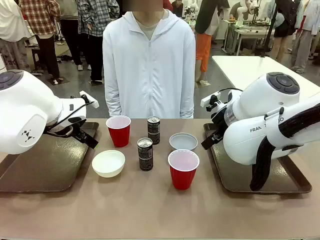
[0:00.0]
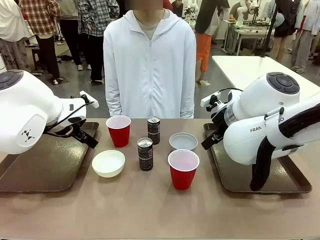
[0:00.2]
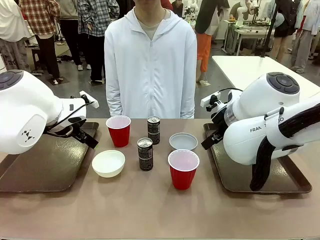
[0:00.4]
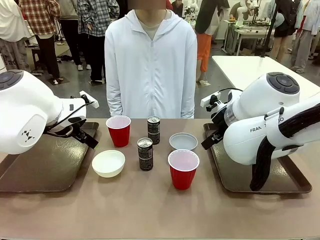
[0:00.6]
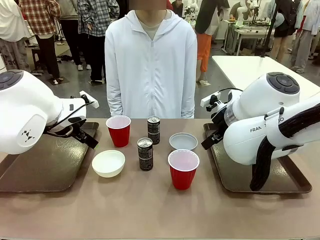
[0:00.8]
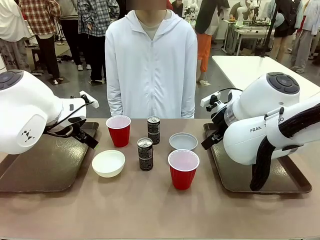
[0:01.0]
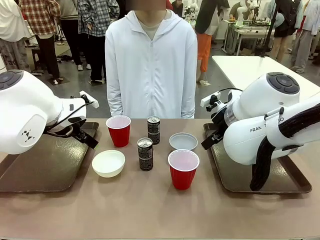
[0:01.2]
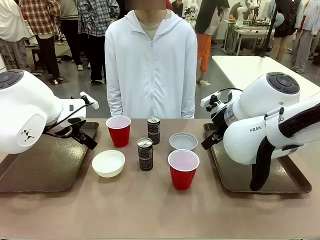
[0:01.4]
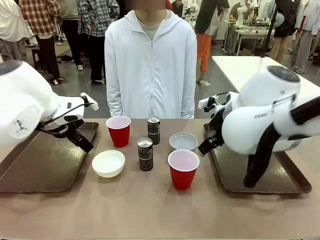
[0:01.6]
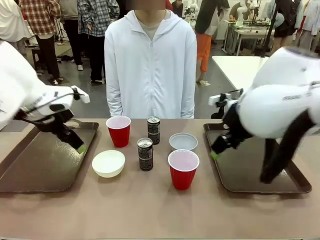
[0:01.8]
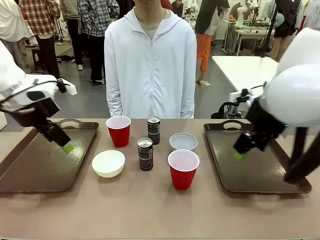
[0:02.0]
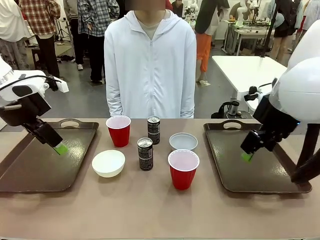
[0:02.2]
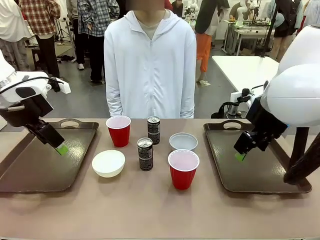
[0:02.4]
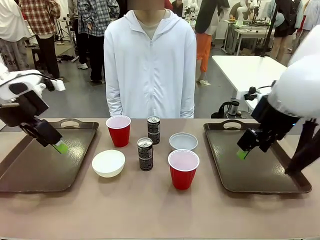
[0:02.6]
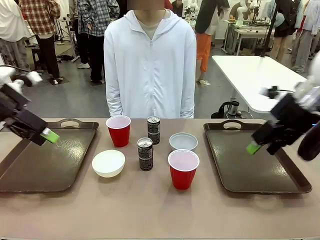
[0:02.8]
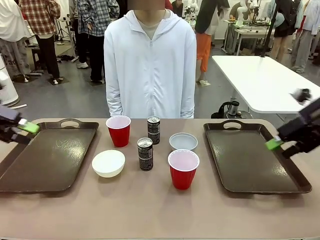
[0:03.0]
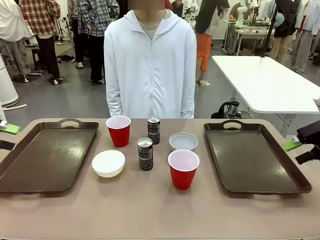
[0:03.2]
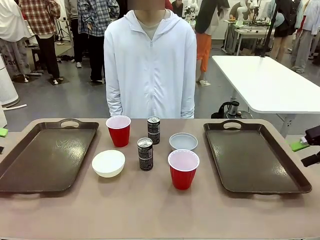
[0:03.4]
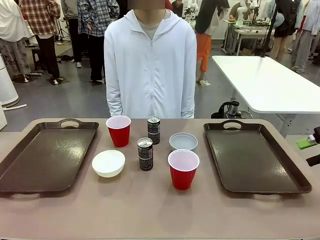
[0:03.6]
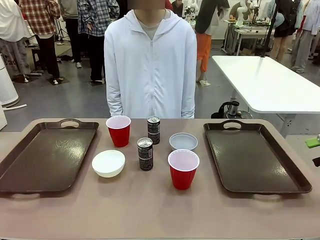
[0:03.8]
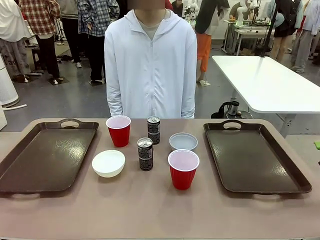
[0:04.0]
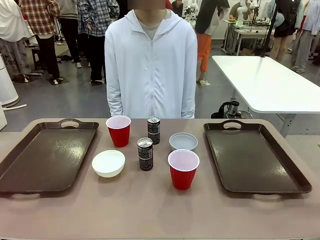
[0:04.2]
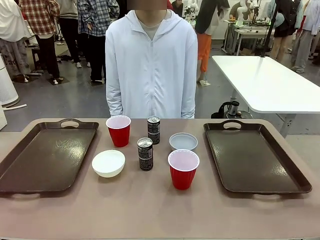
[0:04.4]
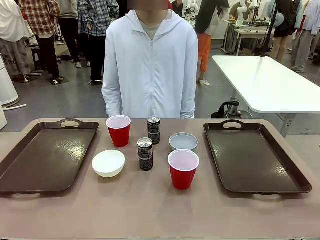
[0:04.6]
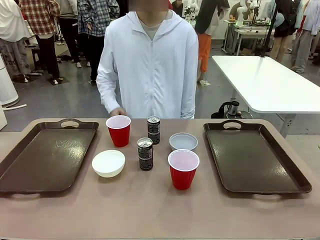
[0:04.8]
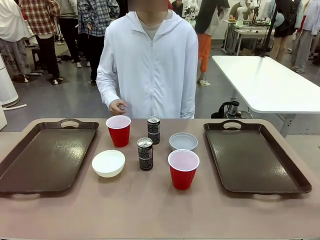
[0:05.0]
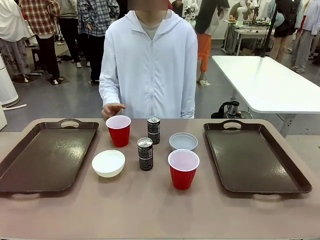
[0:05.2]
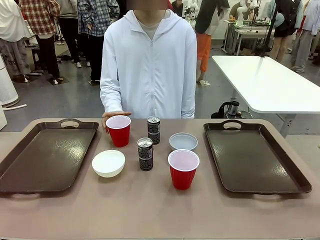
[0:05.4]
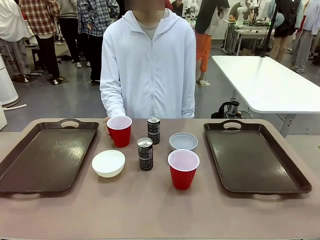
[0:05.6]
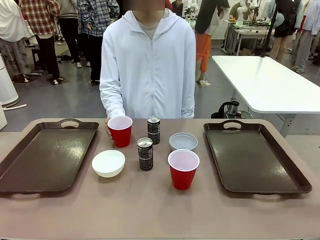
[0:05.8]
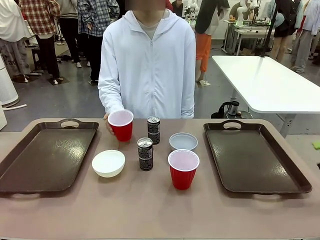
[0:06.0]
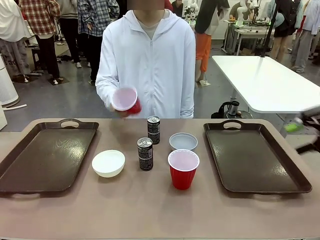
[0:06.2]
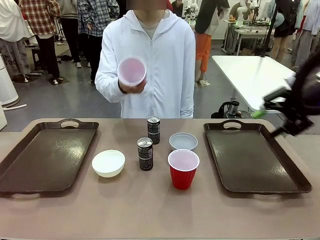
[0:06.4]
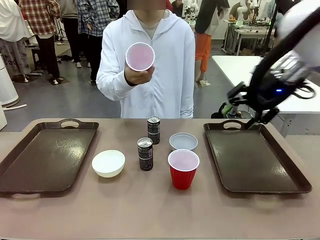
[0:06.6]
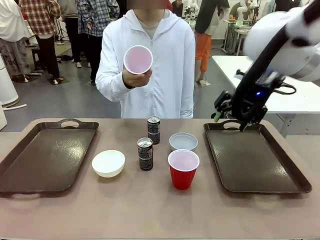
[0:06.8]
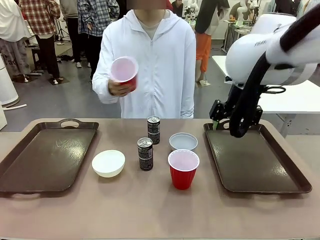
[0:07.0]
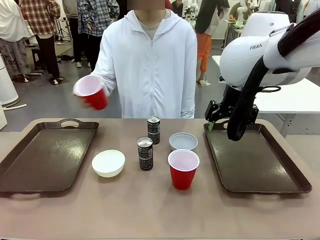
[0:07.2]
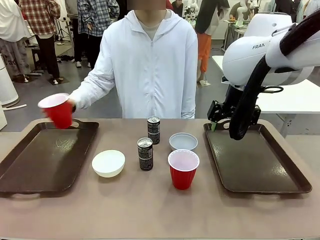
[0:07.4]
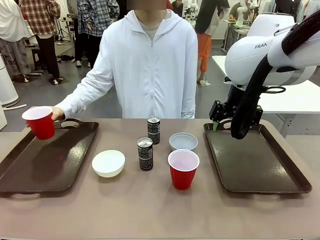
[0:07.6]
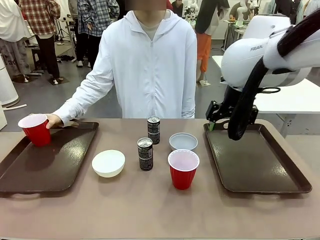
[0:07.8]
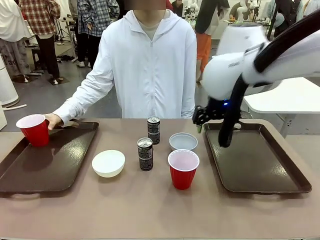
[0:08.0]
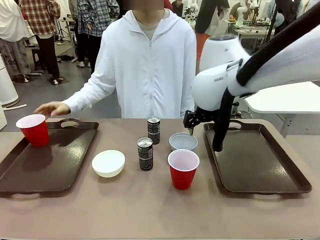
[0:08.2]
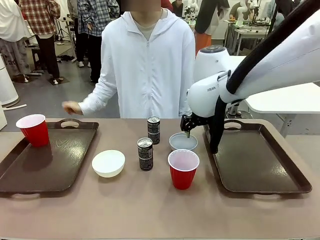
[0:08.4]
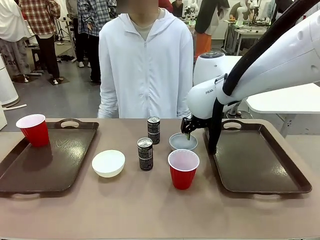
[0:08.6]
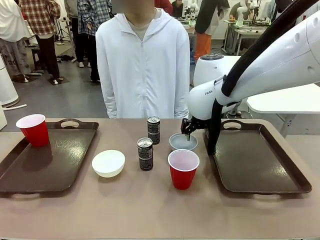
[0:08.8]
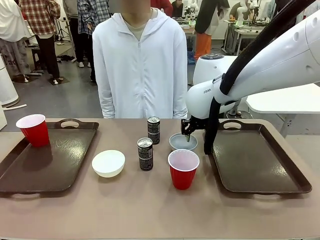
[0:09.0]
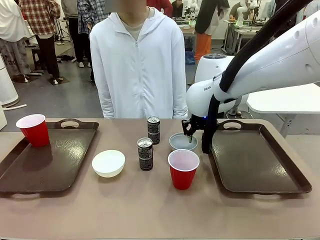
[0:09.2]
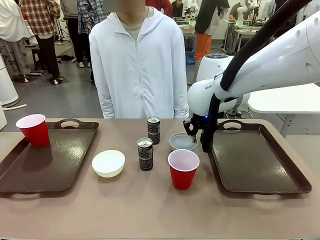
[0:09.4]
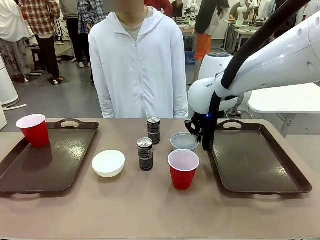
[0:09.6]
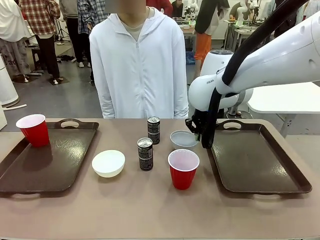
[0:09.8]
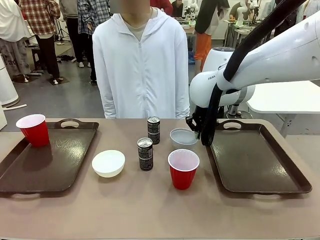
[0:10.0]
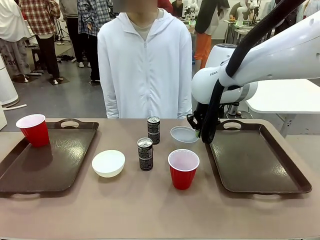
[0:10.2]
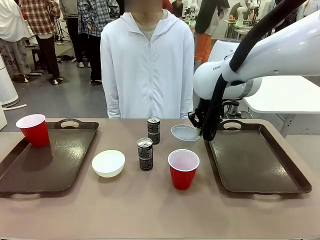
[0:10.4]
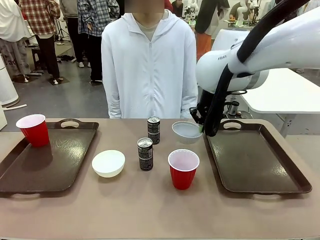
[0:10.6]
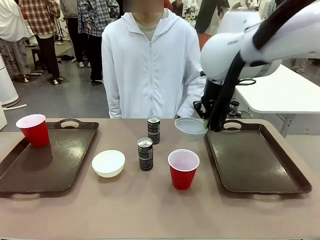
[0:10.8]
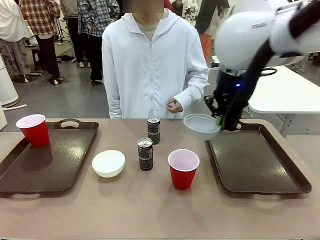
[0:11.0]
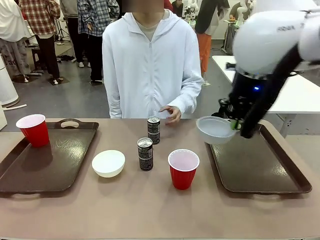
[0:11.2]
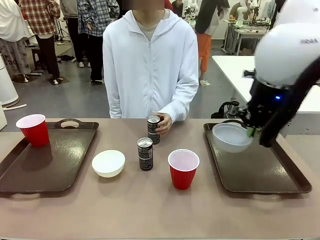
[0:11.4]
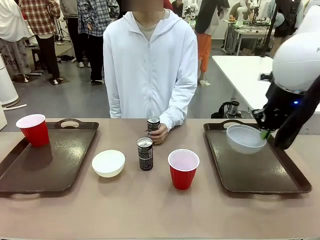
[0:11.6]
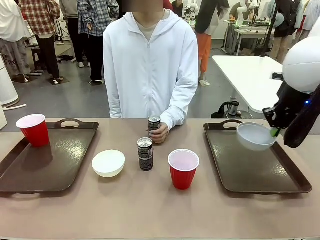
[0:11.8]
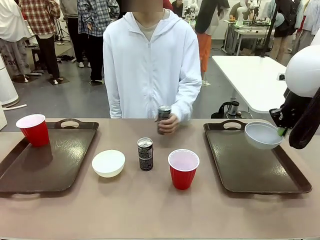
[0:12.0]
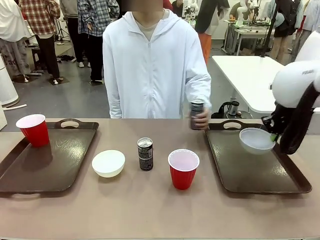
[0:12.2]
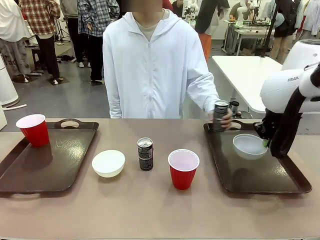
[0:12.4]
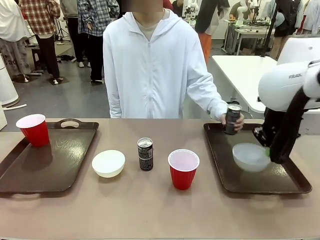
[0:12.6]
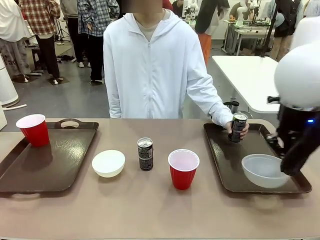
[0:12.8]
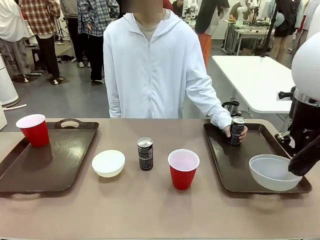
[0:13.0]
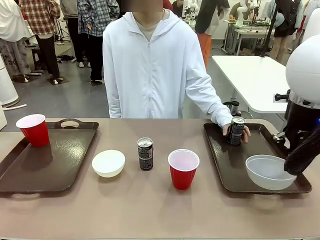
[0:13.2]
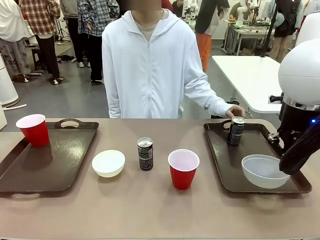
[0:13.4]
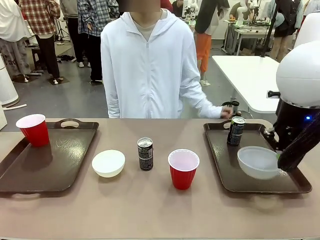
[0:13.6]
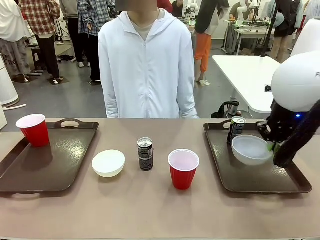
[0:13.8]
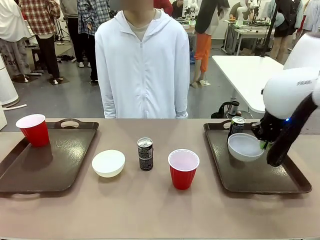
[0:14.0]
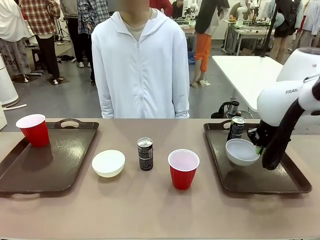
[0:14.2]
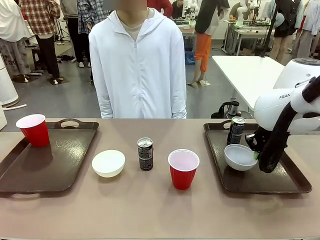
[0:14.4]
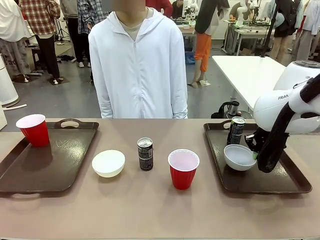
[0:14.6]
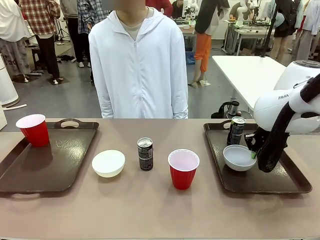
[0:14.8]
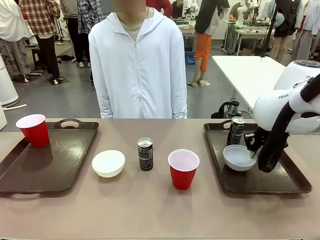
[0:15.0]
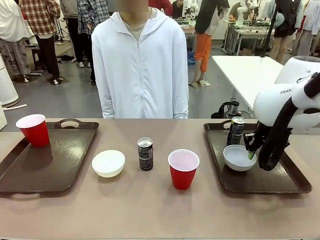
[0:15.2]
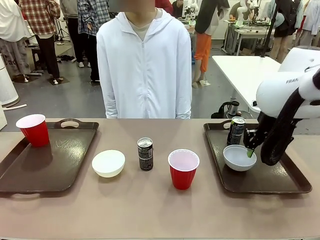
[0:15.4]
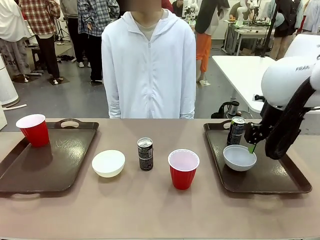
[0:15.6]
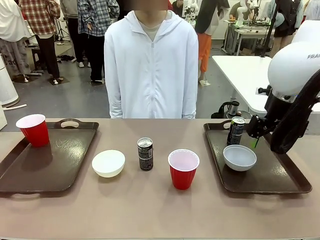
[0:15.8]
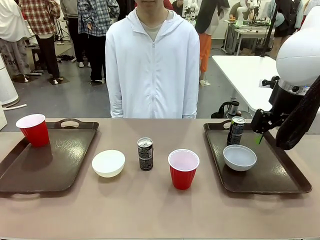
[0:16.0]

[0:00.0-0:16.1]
Task: Prepare tableware on both trays.
Robot: Pick up a Picnic Bowl from the table and place it on a Handle tray.
Person: Pick up a can or cup and place it on the tray.

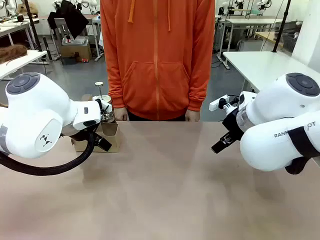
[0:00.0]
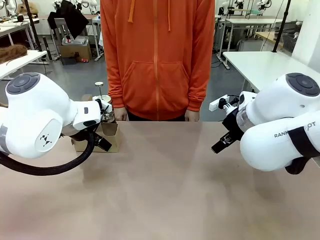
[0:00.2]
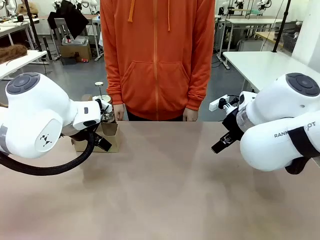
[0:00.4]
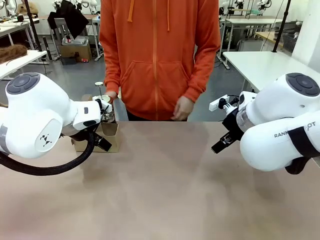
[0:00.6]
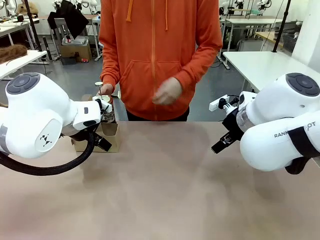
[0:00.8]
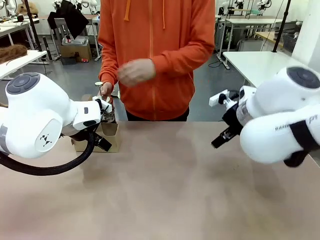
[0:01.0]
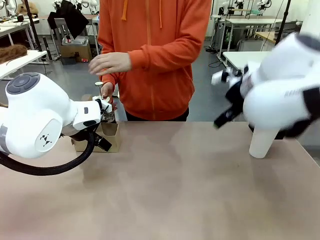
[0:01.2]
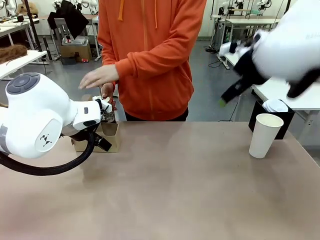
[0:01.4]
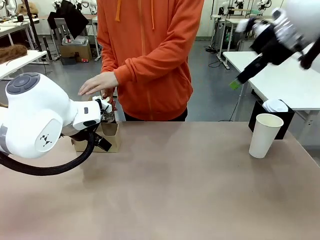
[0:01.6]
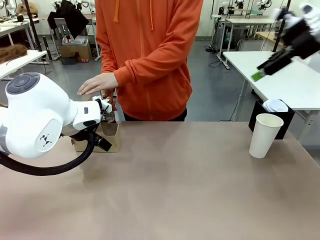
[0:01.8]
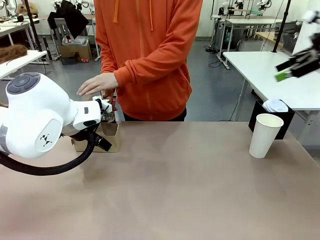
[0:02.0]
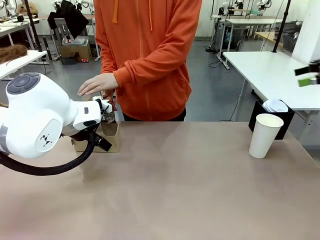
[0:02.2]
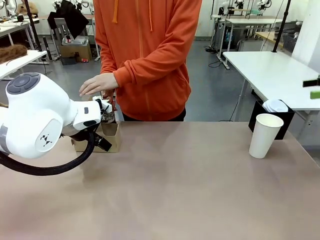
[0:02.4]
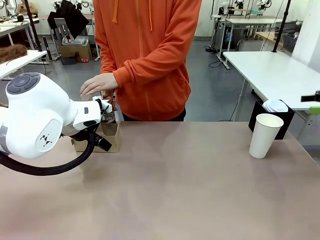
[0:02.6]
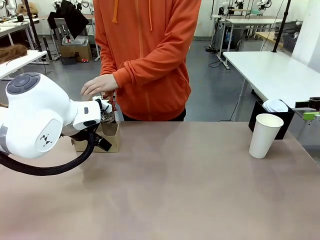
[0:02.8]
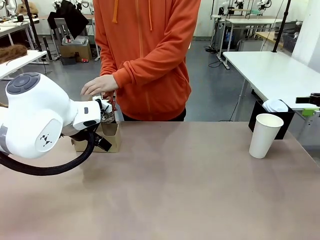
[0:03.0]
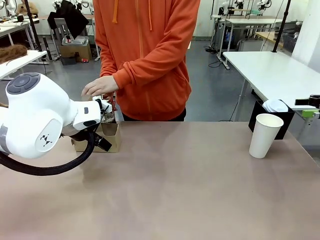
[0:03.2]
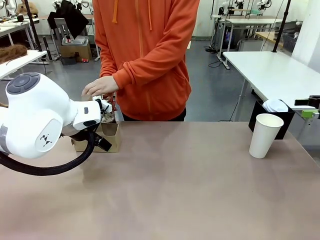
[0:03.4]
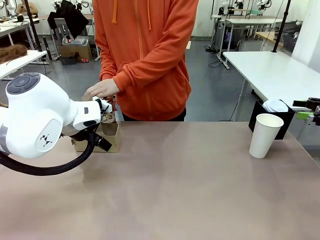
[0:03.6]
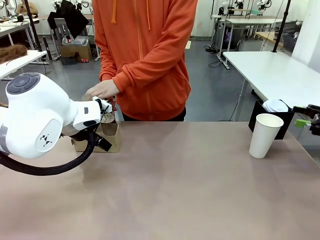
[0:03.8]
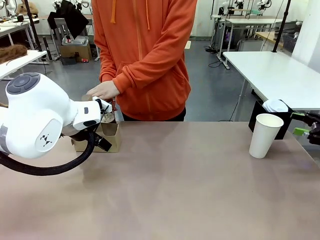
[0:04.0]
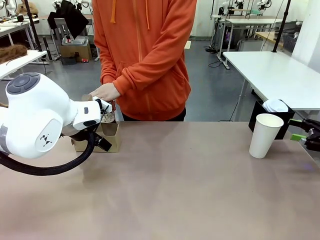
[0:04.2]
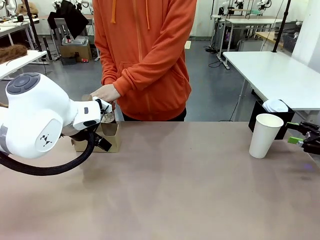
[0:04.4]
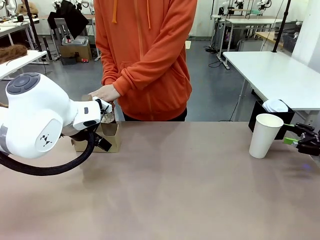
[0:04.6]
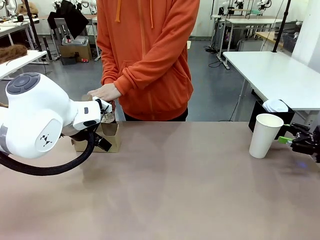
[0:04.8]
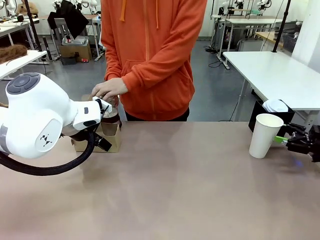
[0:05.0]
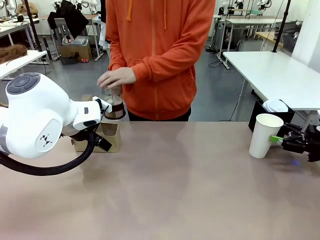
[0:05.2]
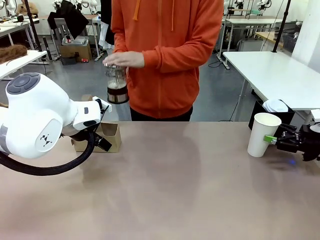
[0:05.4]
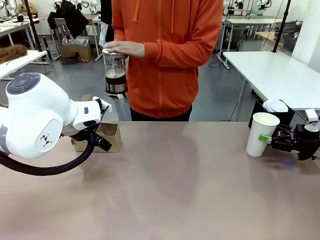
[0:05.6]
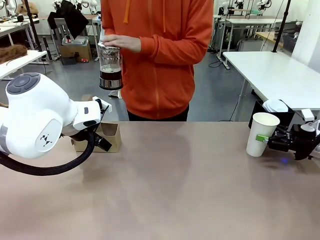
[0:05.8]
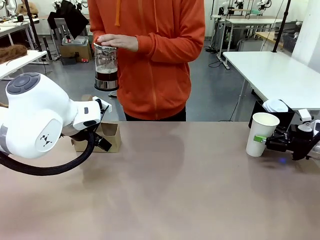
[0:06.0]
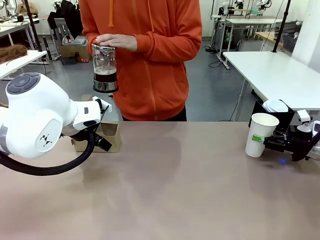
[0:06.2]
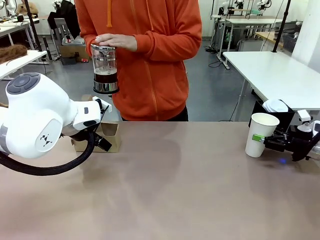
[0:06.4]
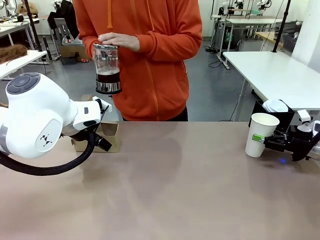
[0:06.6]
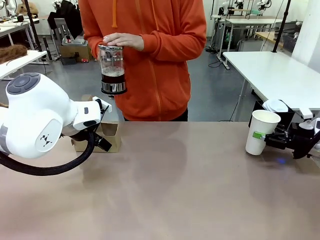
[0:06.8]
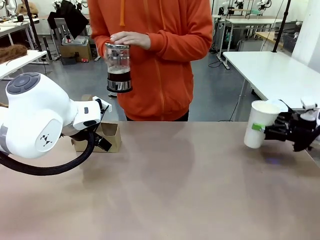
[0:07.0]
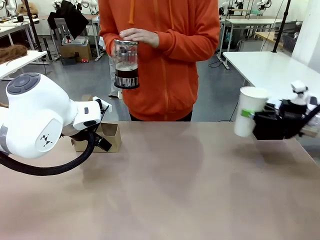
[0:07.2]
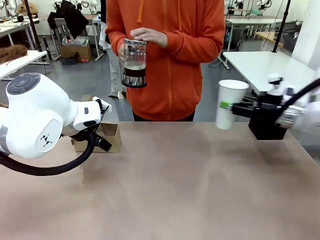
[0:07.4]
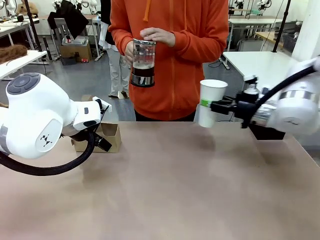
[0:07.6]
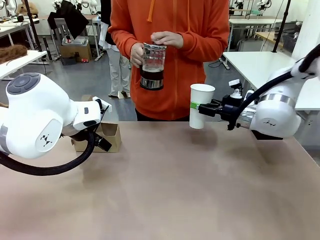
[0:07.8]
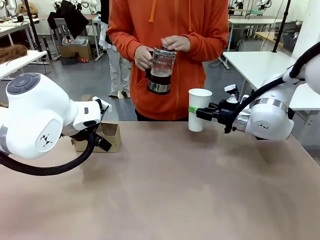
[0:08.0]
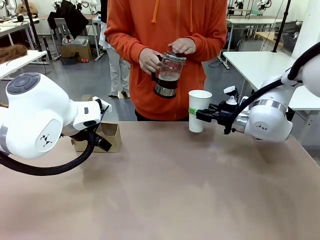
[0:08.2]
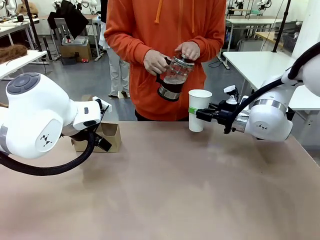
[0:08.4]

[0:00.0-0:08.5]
Task: Pour a drink into a cup and package it in a carrier.
Robot: Pick up the 600 ml Paper Cup and place it in the middle top area of the table.
Person: Press and pick up the Filter Brewing.
